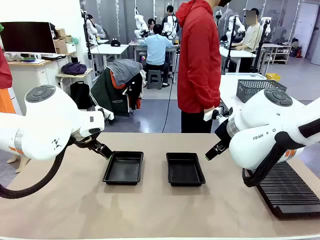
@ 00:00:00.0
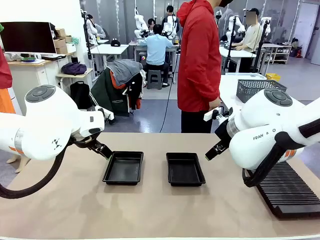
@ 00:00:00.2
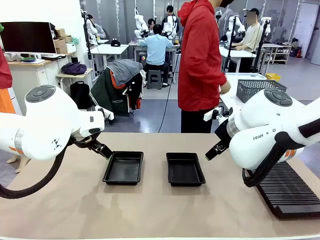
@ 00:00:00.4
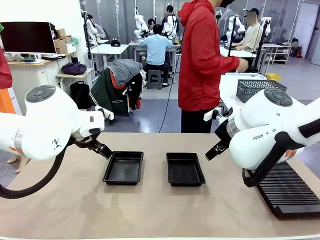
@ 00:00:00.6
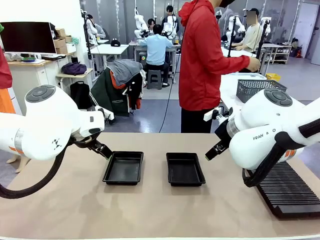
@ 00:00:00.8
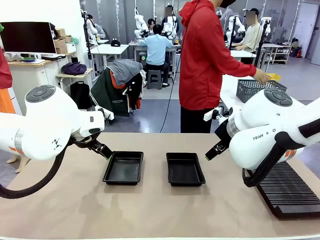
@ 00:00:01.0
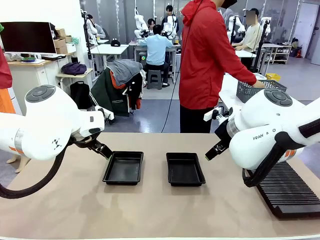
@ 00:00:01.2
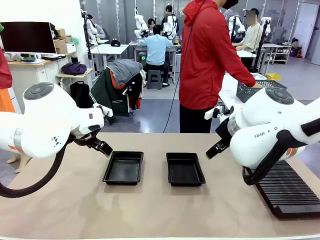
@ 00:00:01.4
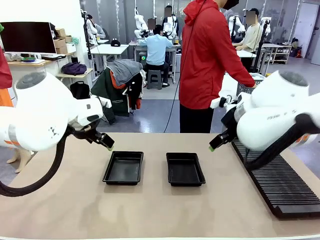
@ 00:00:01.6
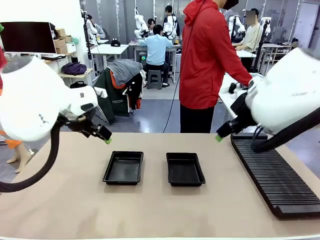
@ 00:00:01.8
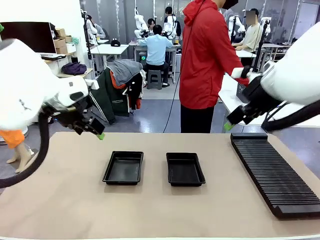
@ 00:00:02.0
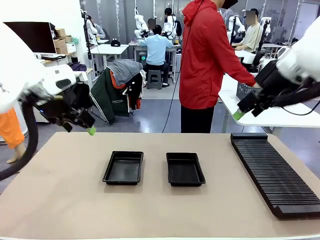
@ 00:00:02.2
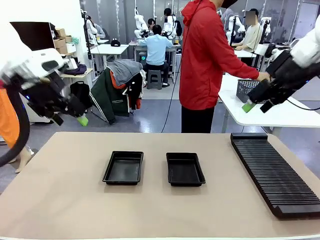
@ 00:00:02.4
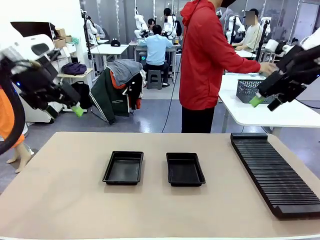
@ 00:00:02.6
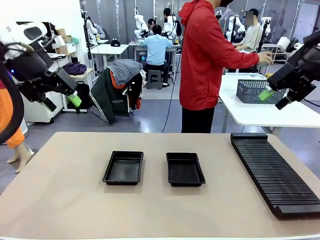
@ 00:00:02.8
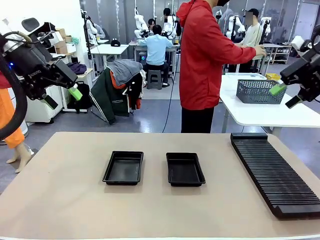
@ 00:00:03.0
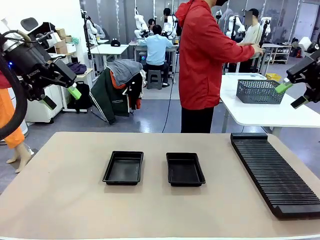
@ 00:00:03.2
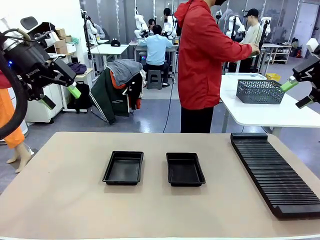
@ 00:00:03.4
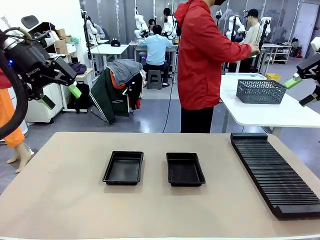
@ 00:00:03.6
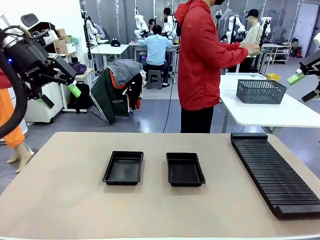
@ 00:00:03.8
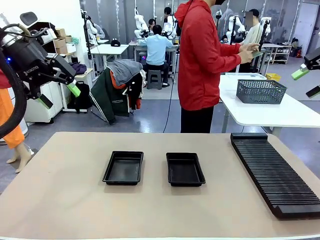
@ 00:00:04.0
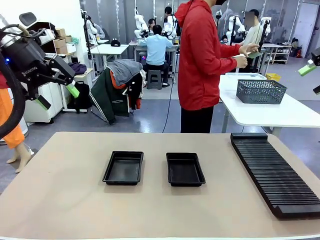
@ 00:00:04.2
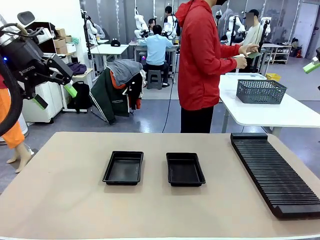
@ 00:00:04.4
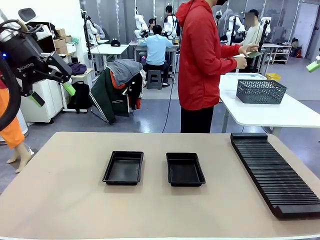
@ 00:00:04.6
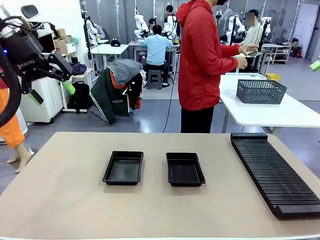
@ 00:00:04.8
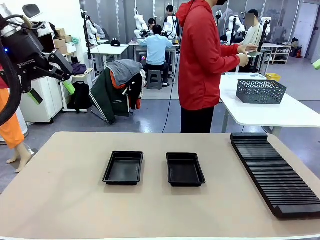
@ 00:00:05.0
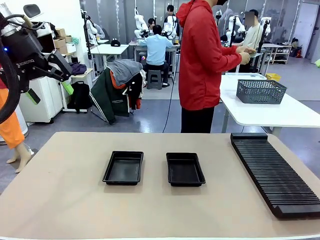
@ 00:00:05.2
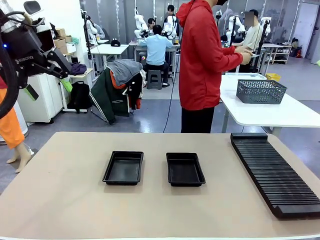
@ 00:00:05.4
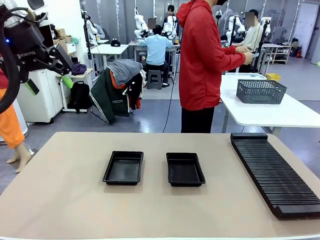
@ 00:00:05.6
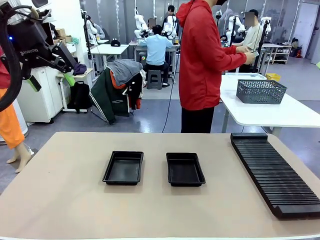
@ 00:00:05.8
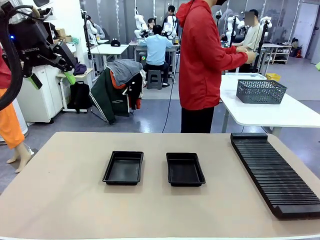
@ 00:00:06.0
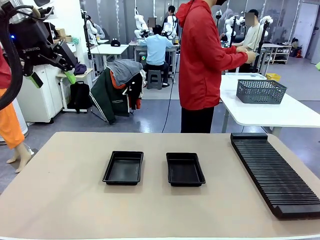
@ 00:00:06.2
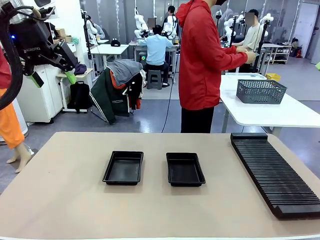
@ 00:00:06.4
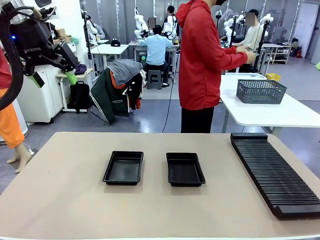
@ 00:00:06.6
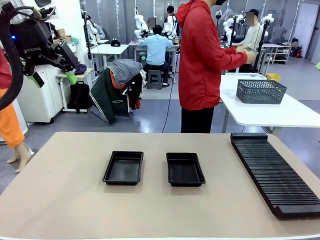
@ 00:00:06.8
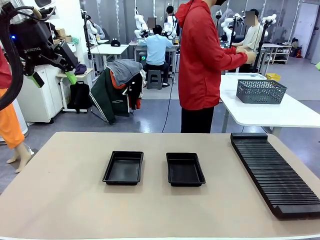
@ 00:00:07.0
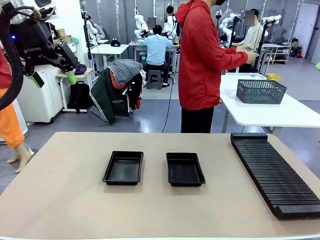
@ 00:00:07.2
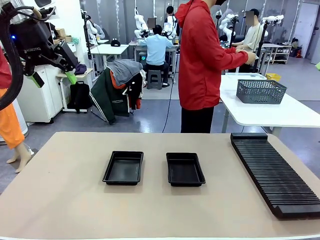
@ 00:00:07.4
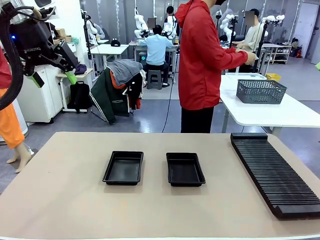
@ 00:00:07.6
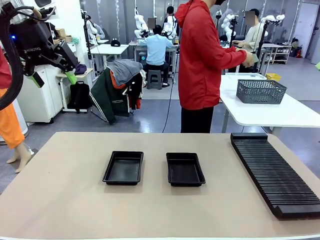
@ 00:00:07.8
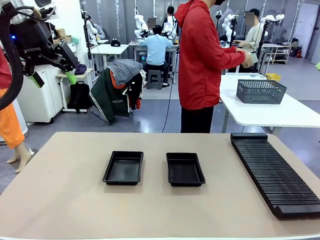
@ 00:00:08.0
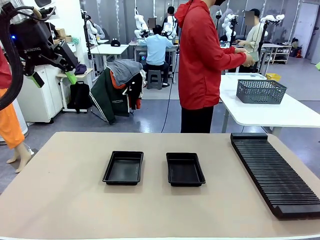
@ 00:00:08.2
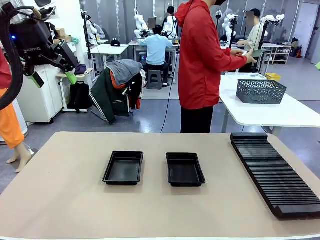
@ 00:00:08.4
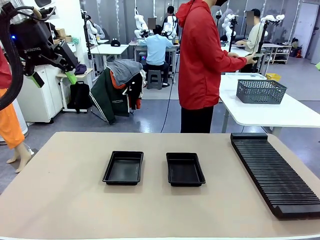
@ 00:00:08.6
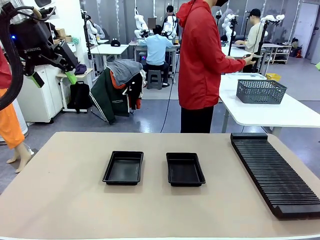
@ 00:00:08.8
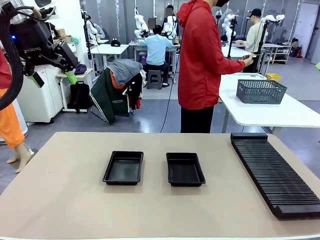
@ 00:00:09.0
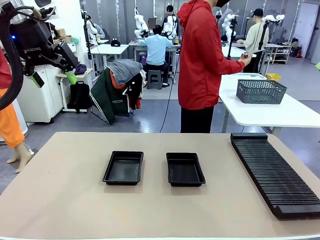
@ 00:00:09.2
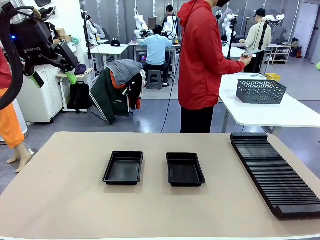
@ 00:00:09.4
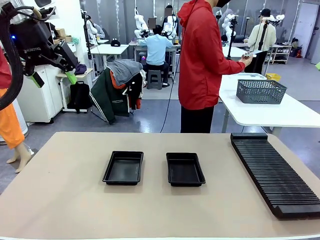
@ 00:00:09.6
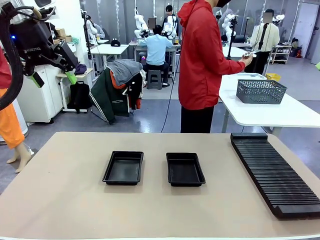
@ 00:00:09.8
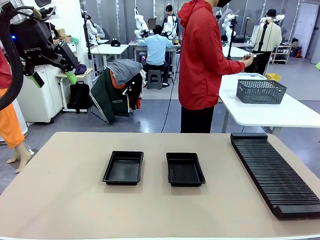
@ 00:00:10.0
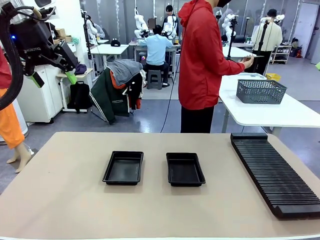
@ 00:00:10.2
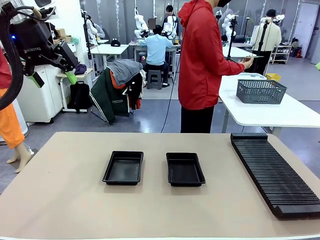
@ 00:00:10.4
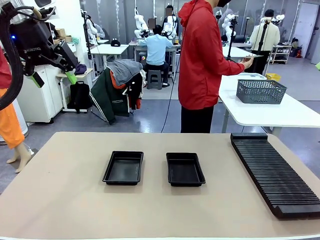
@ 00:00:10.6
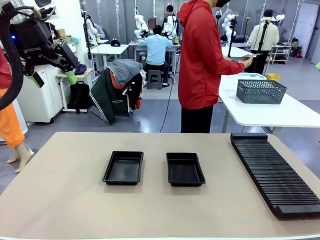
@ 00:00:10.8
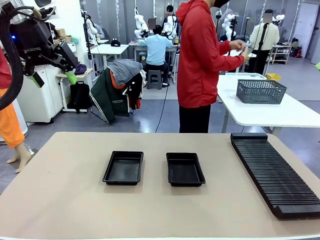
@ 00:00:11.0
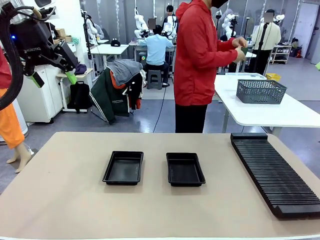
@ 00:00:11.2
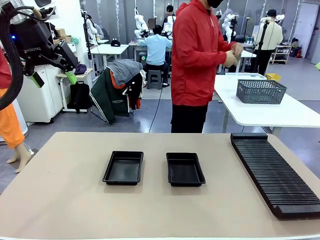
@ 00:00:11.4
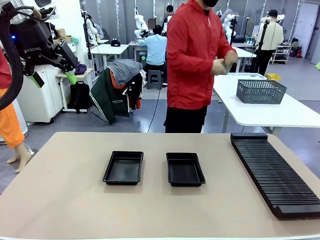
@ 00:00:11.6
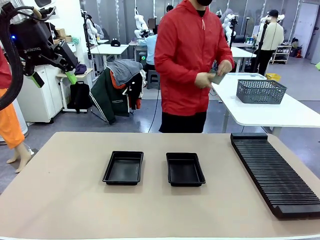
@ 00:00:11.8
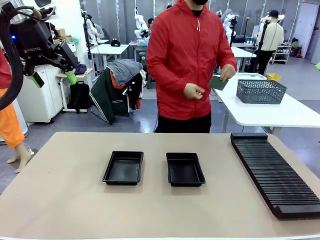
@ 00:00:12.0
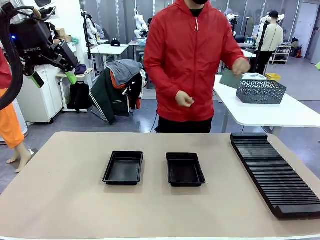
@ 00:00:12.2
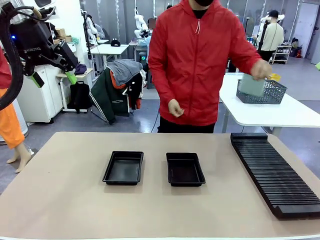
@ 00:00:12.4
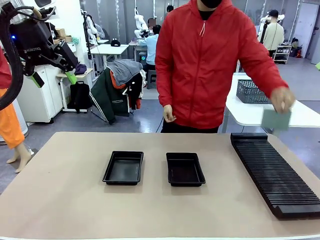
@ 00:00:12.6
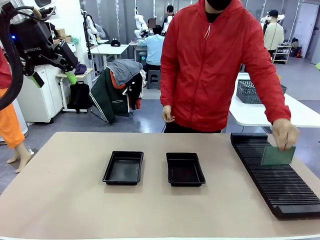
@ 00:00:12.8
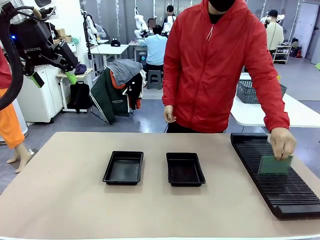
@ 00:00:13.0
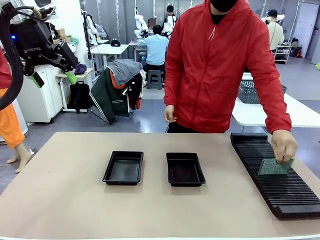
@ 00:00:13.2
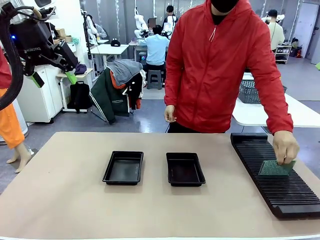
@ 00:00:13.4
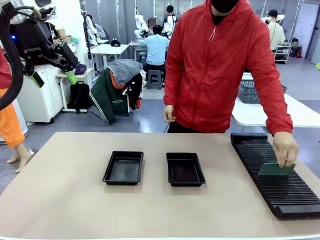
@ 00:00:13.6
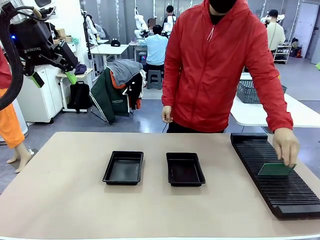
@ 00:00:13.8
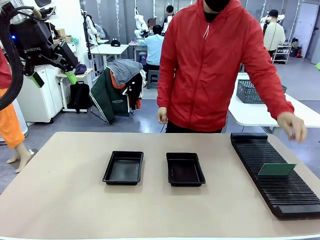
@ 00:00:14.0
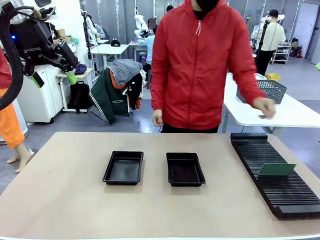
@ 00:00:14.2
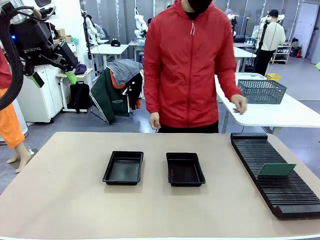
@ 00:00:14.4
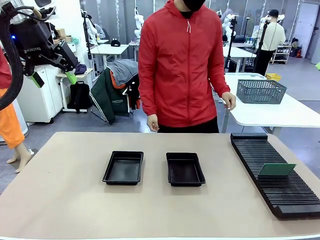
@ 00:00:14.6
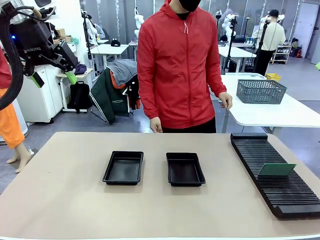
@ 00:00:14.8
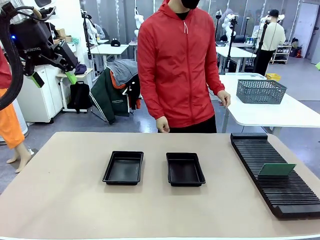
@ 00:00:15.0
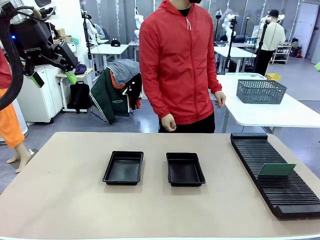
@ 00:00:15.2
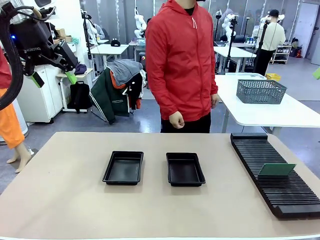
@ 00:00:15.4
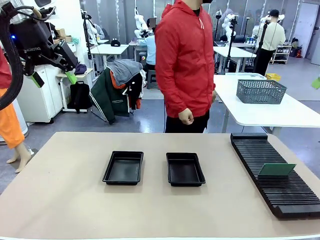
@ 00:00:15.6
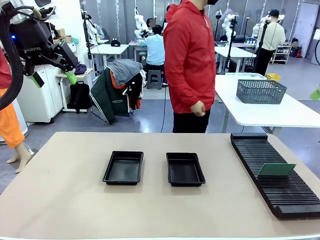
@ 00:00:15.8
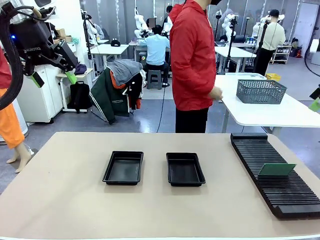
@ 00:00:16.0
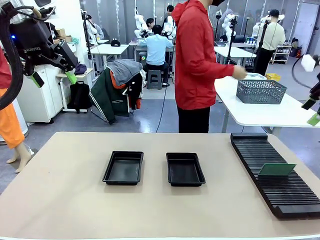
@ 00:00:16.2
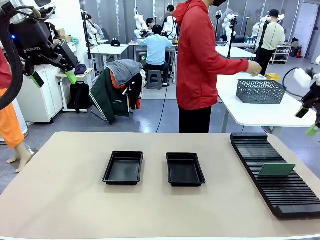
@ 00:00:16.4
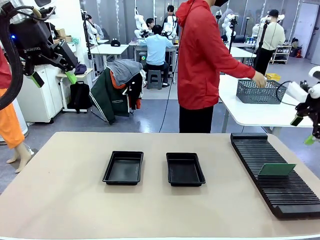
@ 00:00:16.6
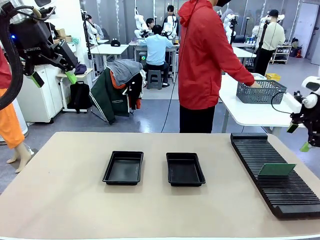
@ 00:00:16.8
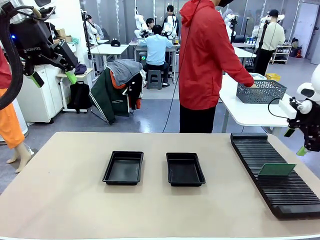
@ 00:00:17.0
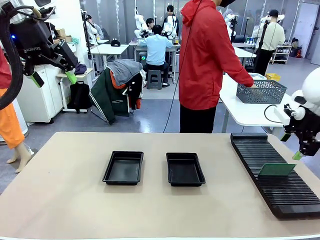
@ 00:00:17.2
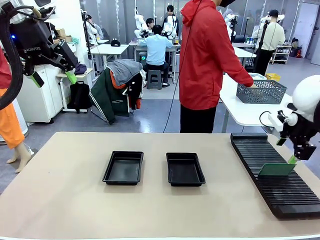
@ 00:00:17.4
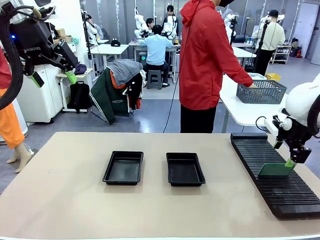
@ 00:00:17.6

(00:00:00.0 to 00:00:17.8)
Task: Inspect and transfer BCBs to ESD trays.
Robot: Pick up the Blank PCB from the PCB Rack and place it in the left ESD tray.
